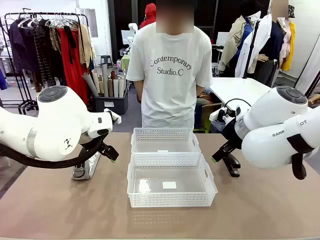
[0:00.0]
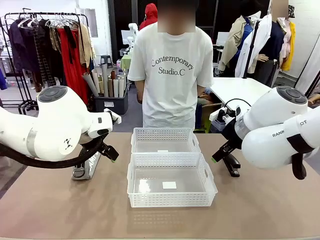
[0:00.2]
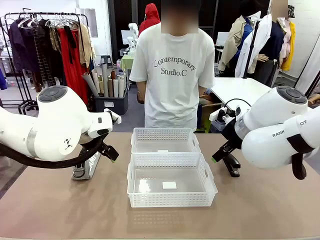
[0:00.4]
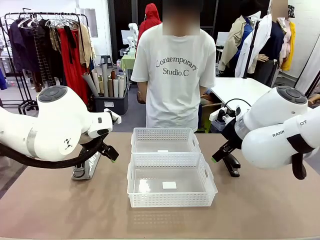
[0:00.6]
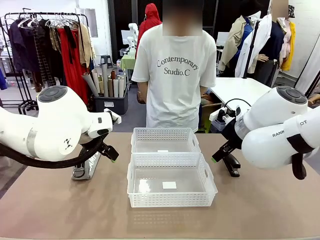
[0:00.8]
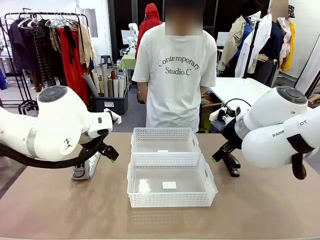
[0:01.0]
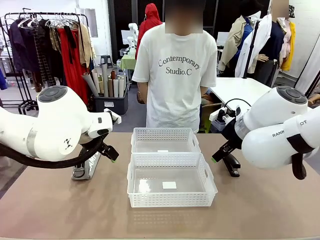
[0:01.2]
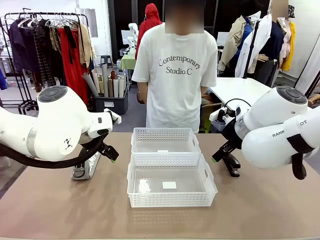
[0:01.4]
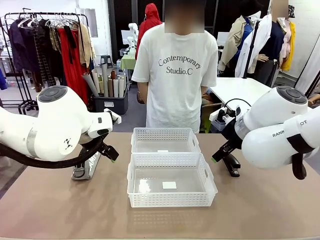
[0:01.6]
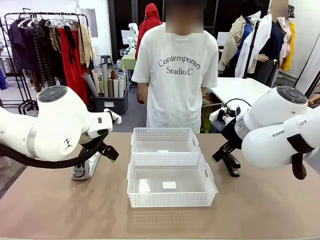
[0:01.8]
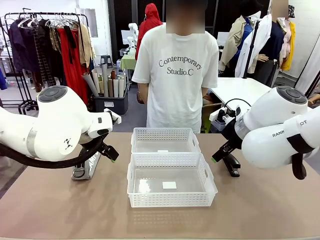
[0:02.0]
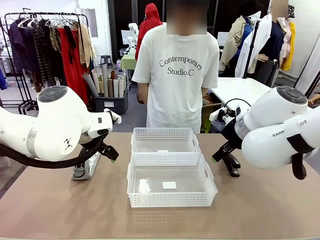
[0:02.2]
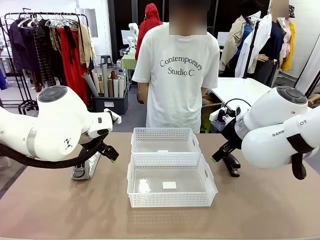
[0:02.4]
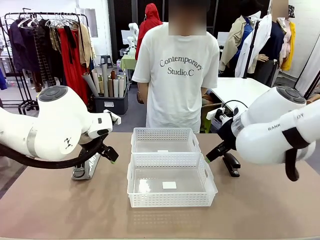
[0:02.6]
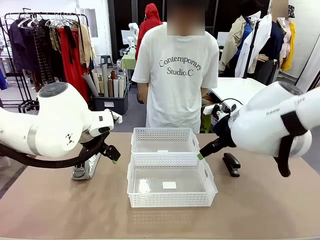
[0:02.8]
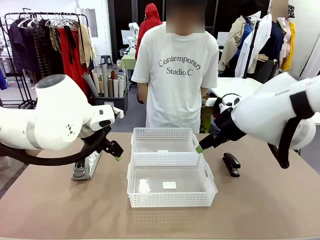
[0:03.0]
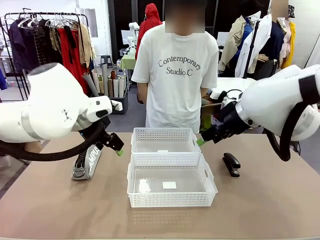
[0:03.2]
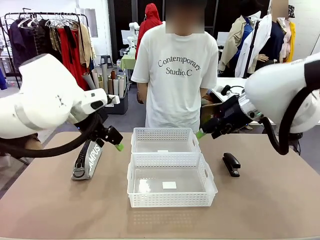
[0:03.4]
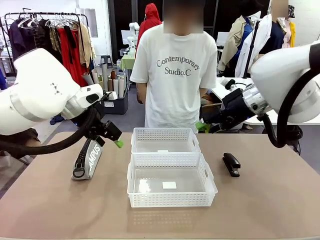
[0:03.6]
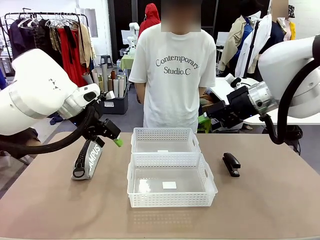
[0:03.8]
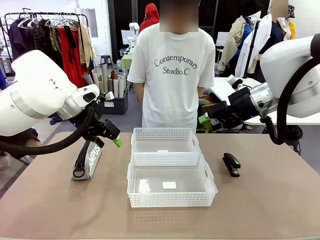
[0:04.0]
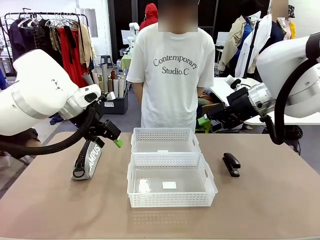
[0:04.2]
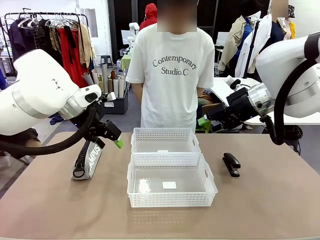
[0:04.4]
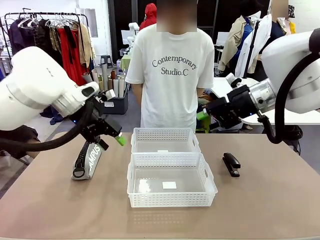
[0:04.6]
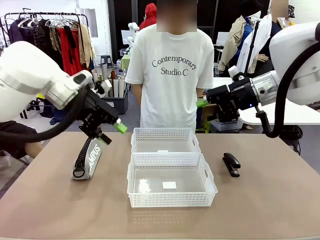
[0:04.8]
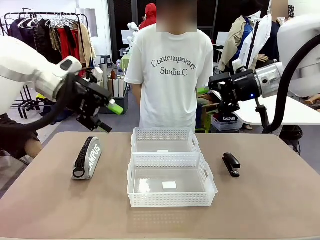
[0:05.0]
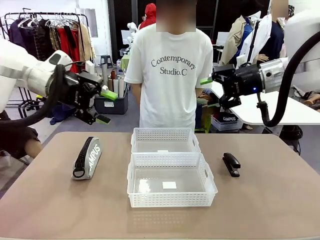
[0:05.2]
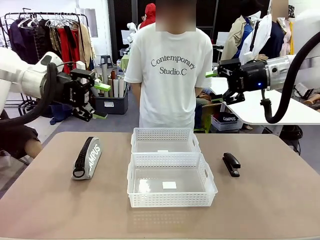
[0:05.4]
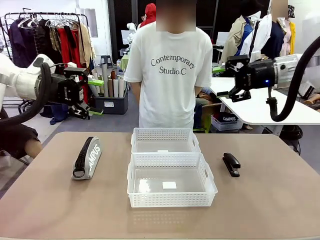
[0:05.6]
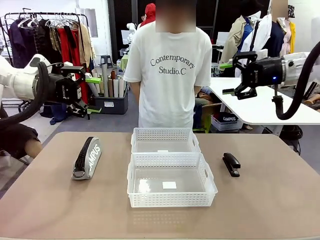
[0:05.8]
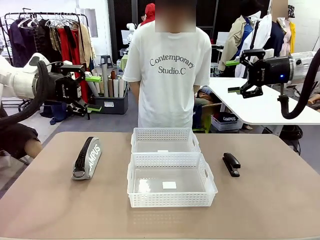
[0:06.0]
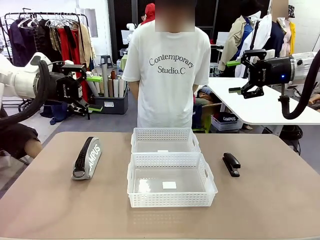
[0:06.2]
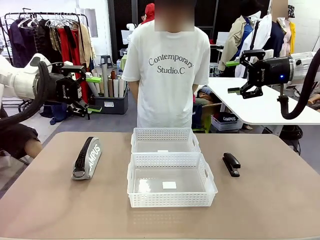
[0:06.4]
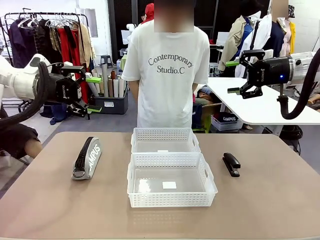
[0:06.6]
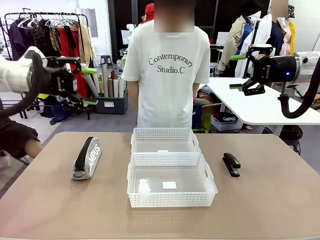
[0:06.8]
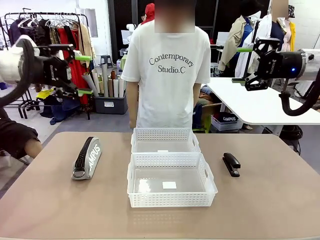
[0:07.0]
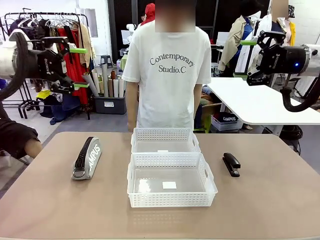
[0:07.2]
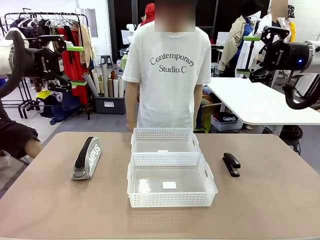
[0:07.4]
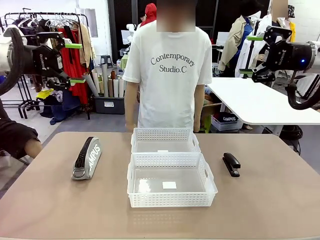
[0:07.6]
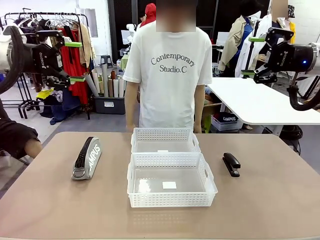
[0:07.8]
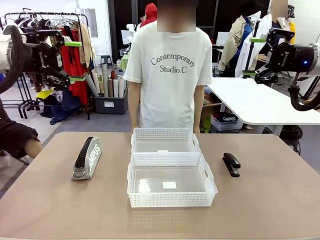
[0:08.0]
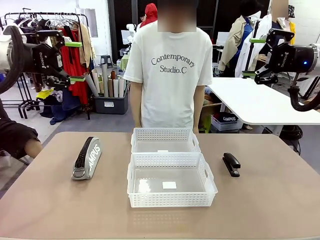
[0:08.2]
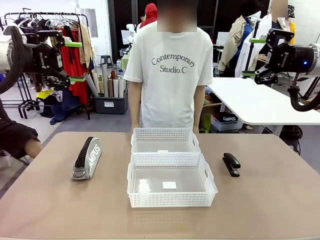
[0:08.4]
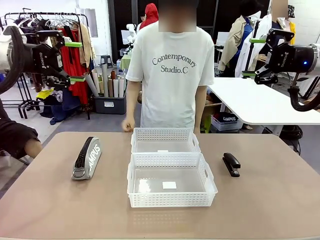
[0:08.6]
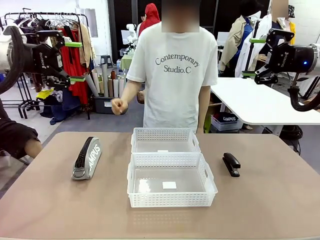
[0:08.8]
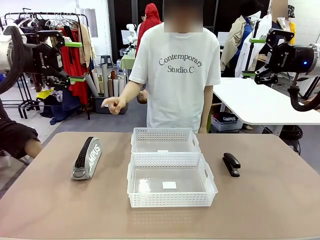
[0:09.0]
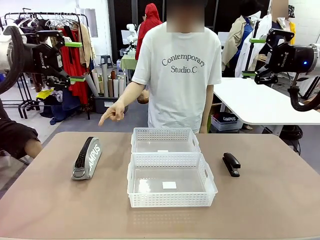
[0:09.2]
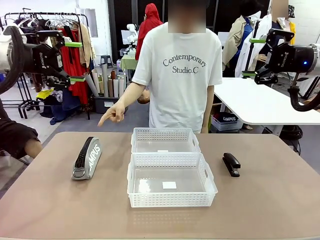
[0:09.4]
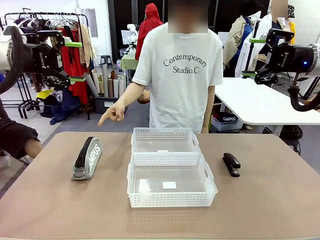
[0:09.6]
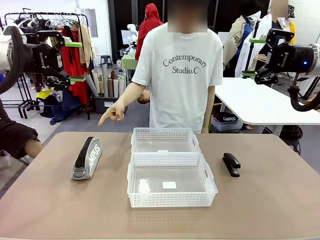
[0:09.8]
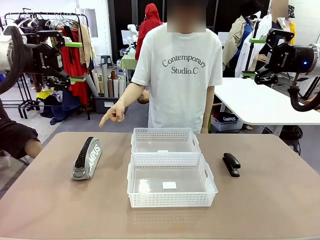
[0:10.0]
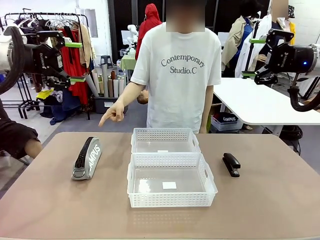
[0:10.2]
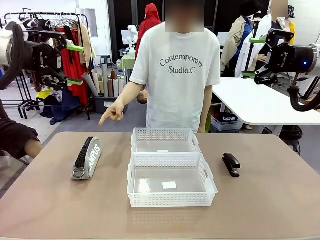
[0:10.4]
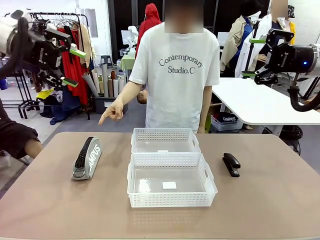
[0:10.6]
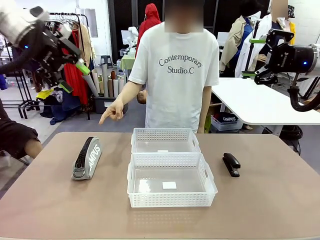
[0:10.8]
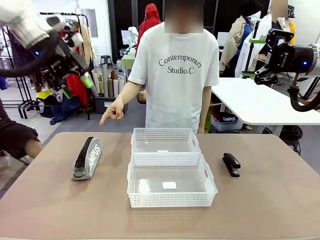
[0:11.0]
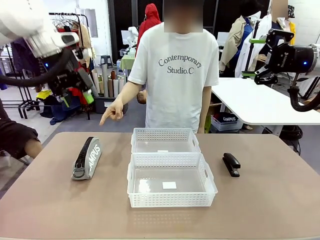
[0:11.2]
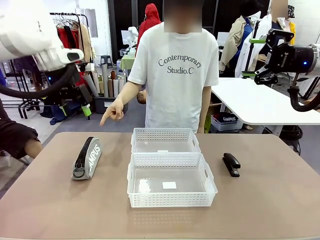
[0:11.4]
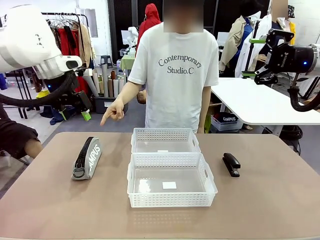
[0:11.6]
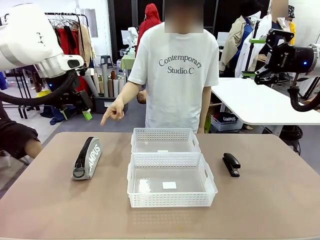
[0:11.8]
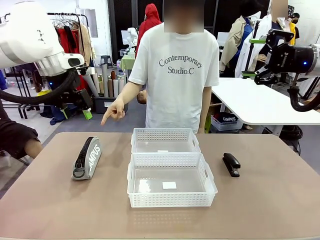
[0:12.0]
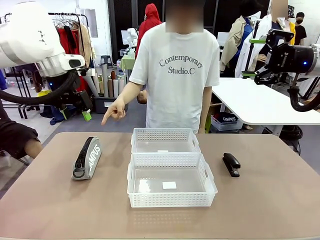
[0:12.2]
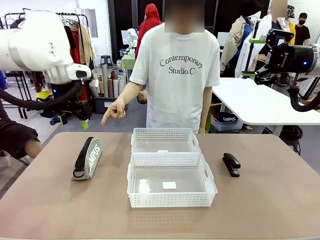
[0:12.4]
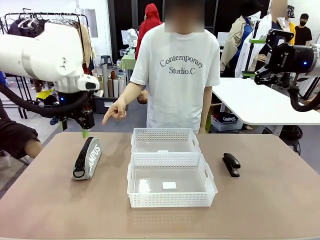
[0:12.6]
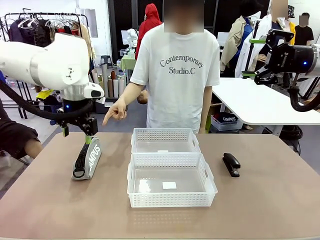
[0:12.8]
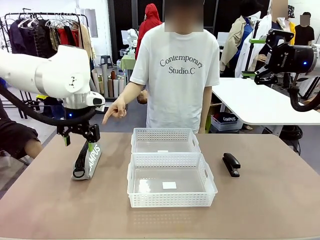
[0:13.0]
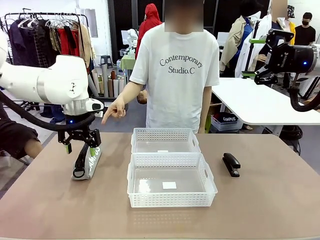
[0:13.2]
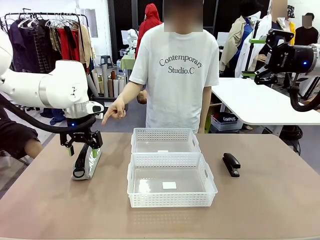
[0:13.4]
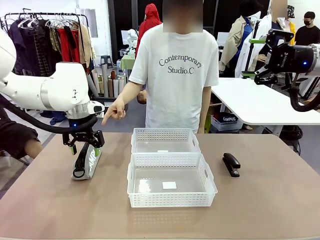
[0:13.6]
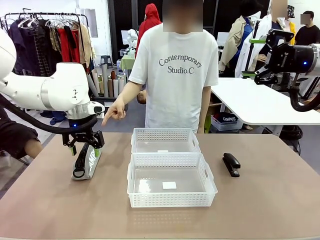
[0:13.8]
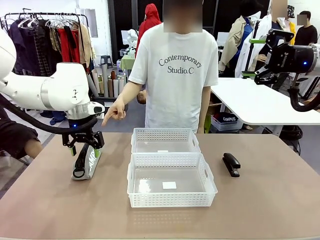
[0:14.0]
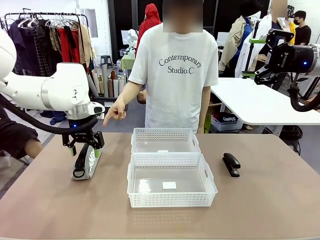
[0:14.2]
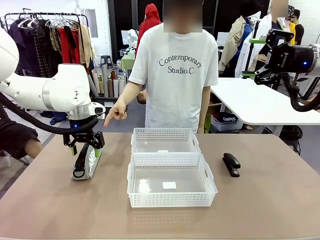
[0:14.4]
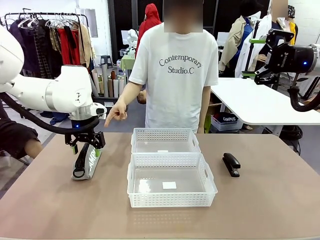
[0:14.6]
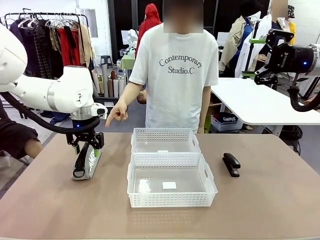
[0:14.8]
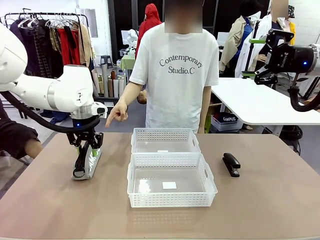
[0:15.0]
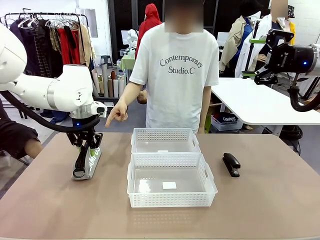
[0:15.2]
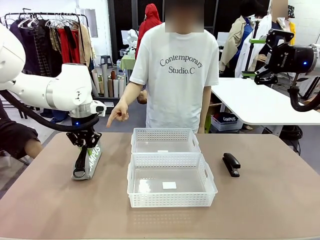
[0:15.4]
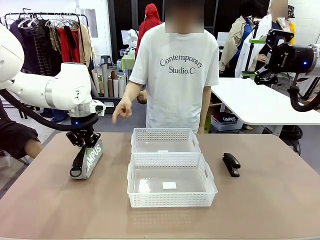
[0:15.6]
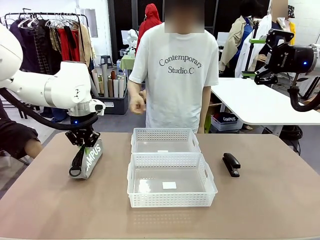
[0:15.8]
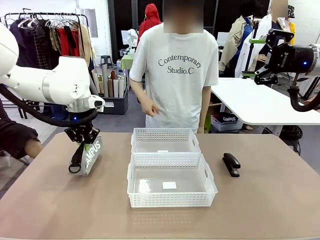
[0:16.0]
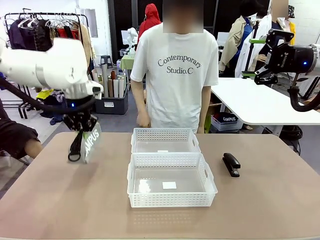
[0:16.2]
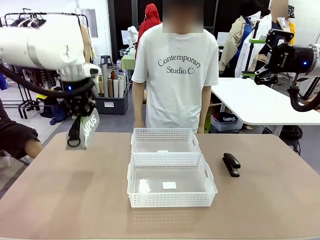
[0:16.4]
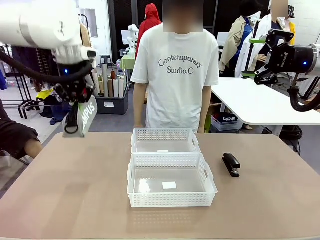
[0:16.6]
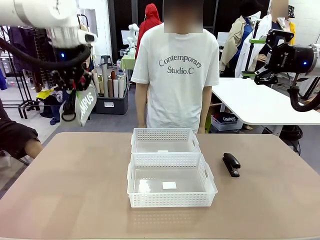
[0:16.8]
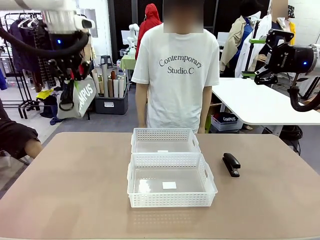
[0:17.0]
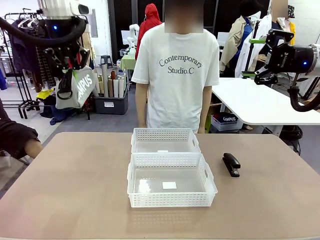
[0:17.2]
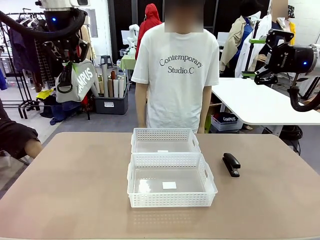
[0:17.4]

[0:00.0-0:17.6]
Task: Distribute items into two baskets.
Robot: Pick up the Pencil pouch that the person points to.
Person: Points to the pencil case. Points between the two organizing baskets and instructs the robot to move the pencil case.

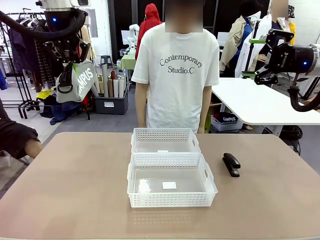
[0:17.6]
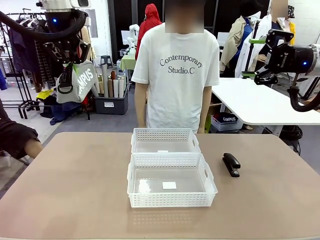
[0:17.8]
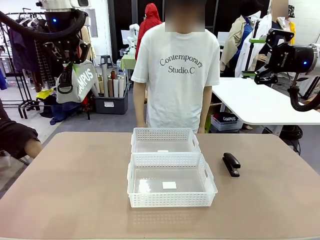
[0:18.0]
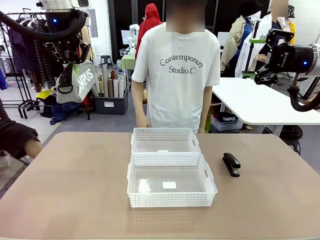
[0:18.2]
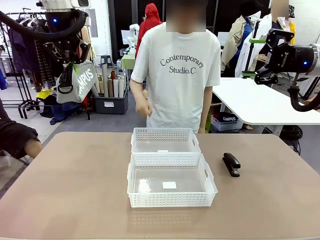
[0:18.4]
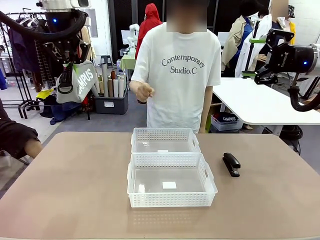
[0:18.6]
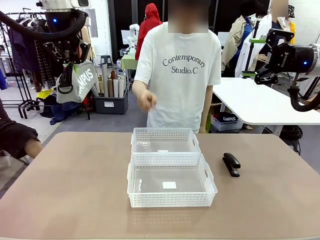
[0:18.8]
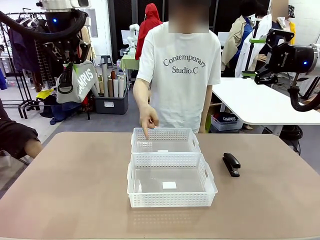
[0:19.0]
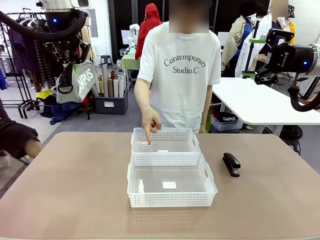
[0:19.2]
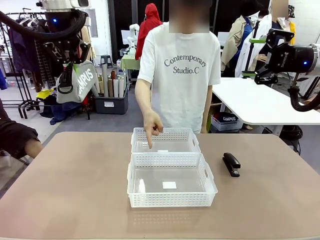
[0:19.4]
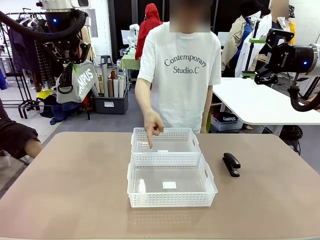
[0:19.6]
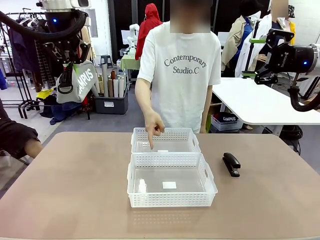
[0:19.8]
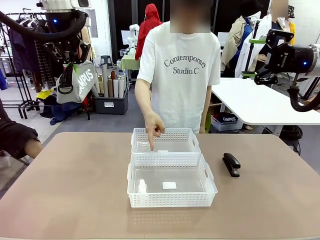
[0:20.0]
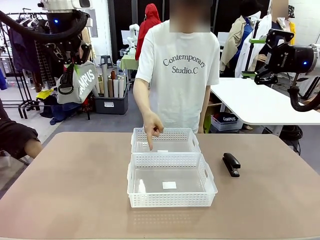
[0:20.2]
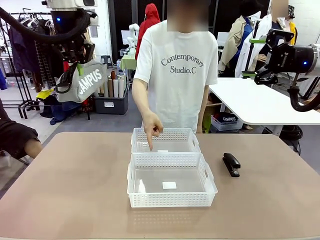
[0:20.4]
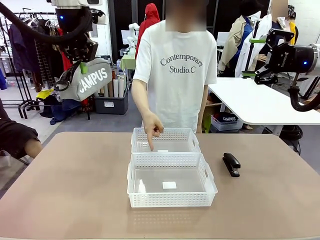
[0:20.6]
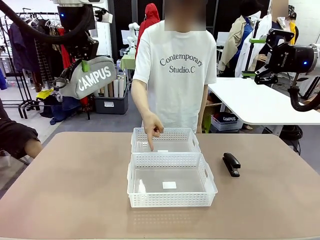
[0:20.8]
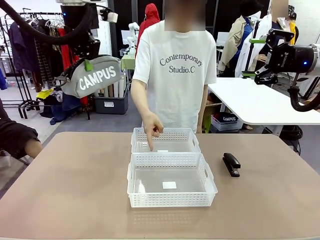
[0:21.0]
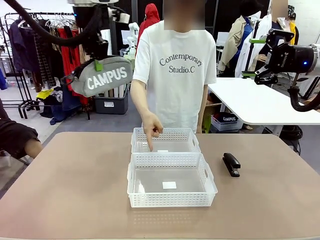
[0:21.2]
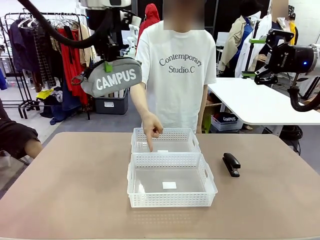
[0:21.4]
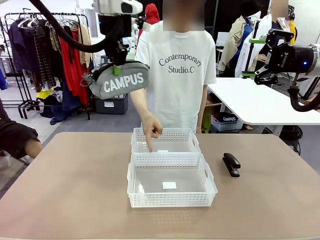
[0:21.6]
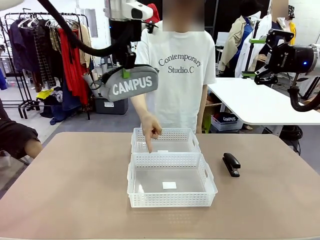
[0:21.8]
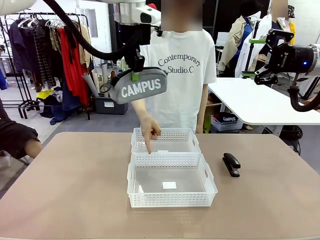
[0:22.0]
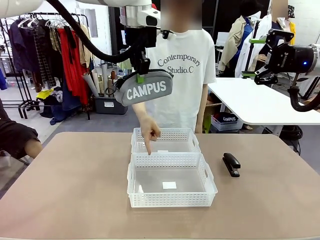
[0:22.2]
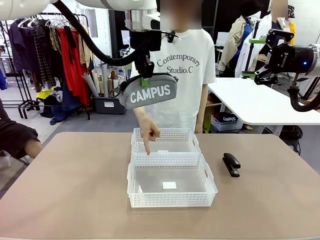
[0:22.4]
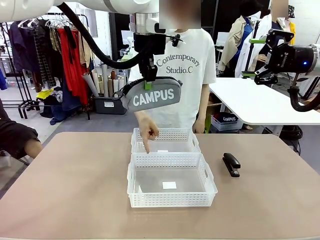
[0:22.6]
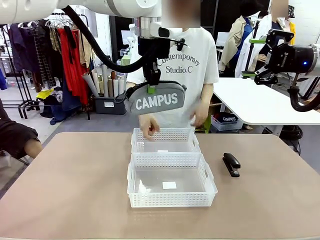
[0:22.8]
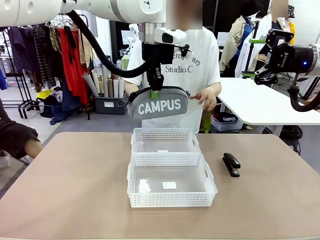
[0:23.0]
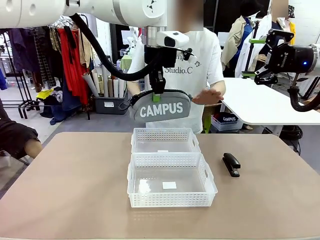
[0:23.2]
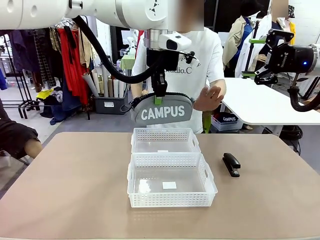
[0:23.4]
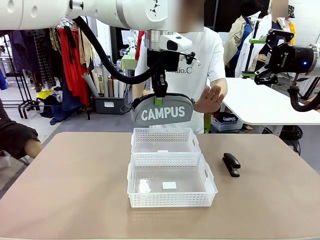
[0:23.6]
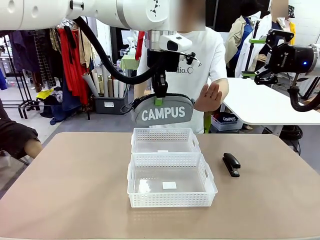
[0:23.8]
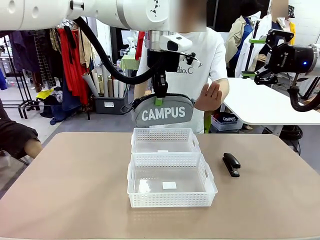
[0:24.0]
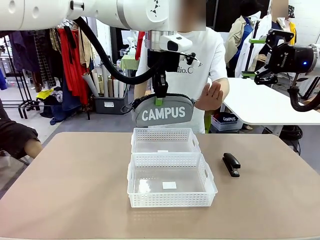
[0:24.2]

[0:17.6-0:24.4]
Robot: Move the picked Pencil pouch towards the Organizing basket indicated by the person, stopping as directed.
Person: Sends a stop gesture before the robot places the pencil case into the basket.
